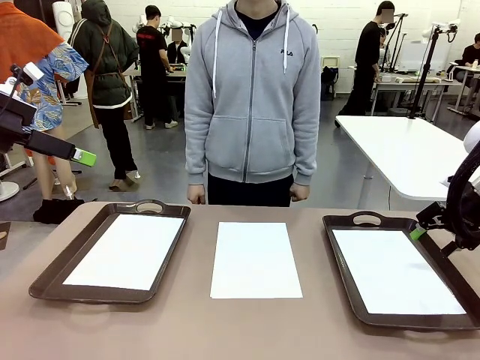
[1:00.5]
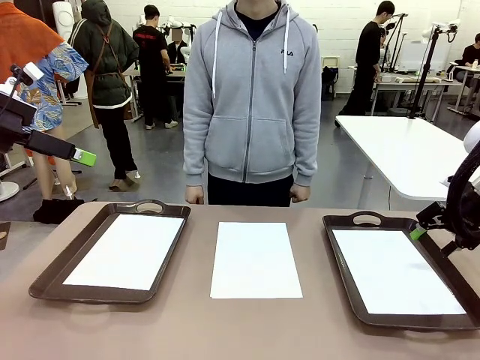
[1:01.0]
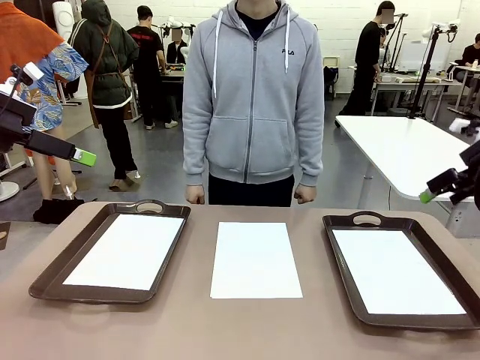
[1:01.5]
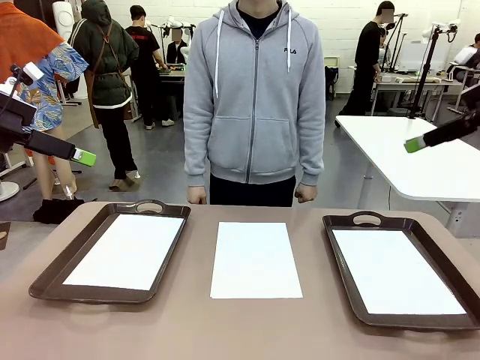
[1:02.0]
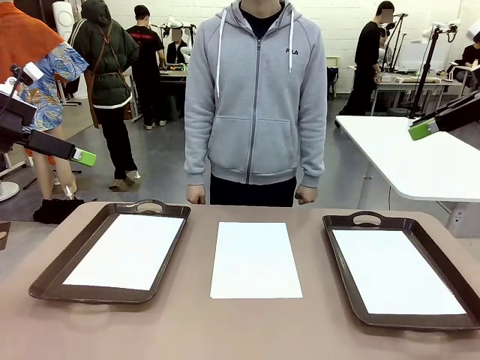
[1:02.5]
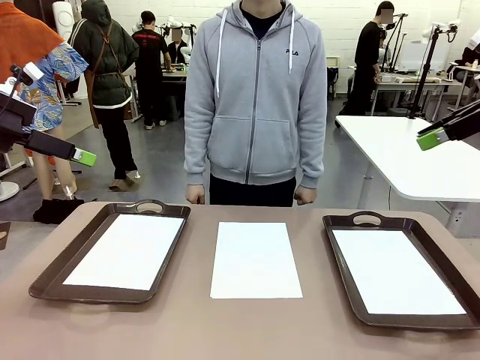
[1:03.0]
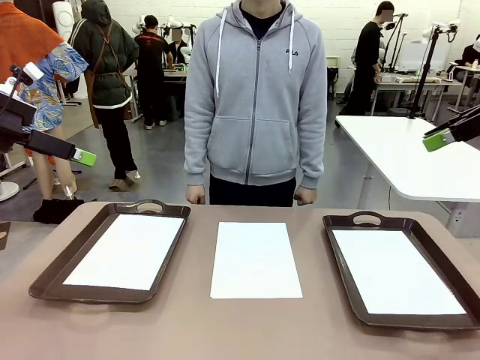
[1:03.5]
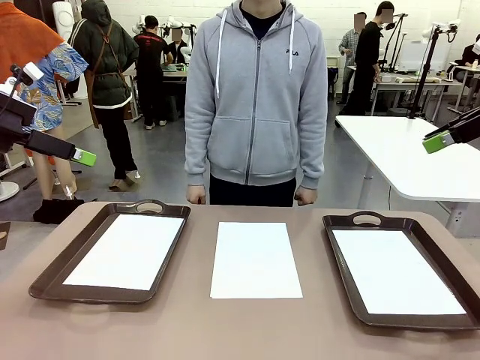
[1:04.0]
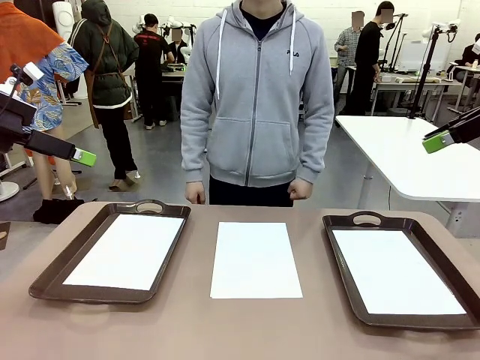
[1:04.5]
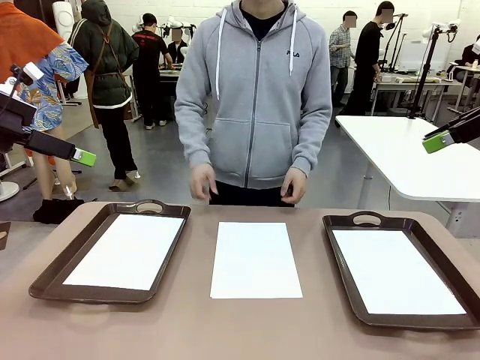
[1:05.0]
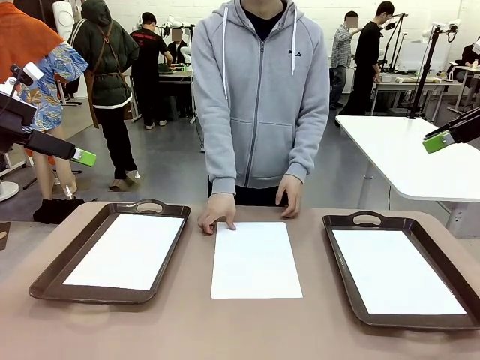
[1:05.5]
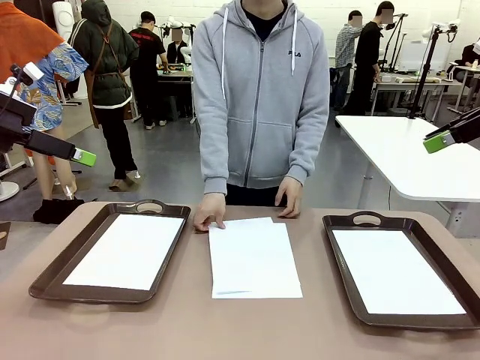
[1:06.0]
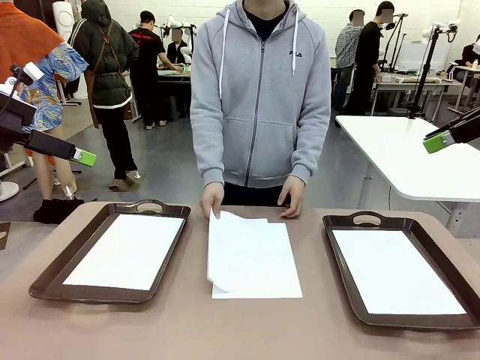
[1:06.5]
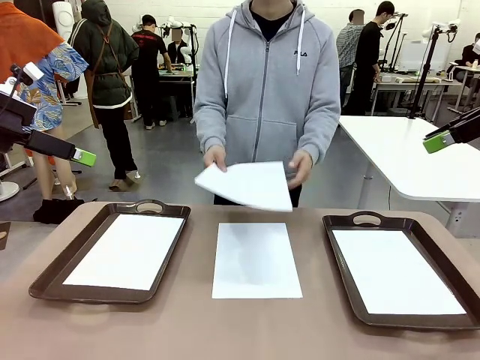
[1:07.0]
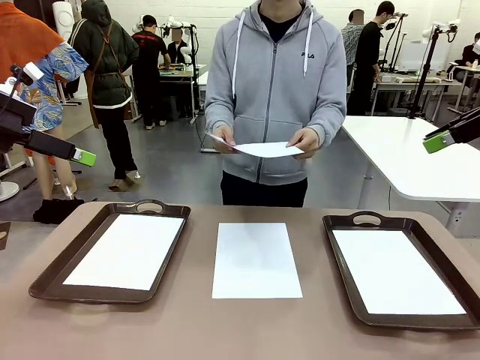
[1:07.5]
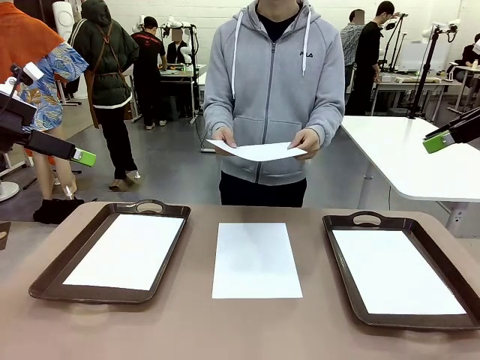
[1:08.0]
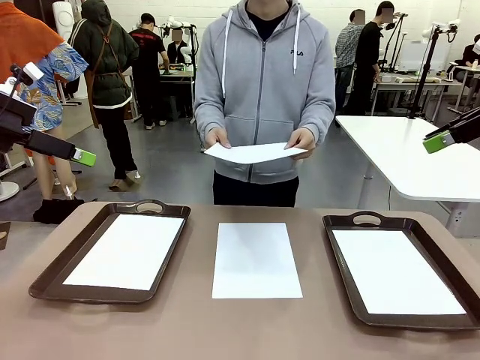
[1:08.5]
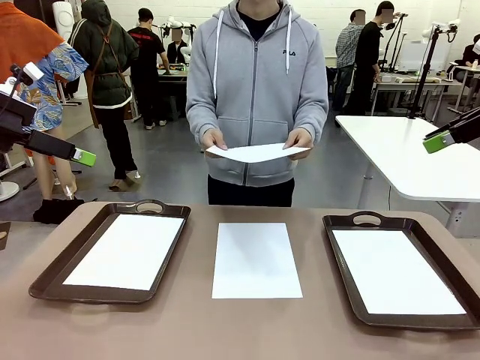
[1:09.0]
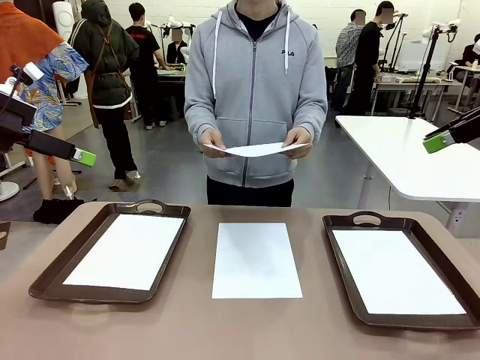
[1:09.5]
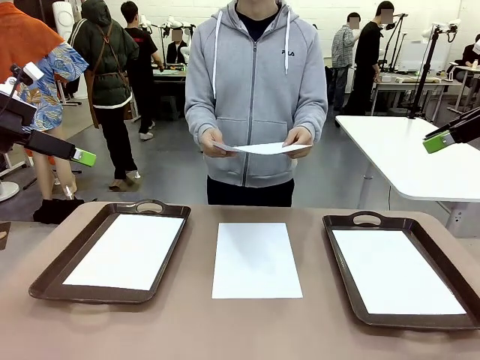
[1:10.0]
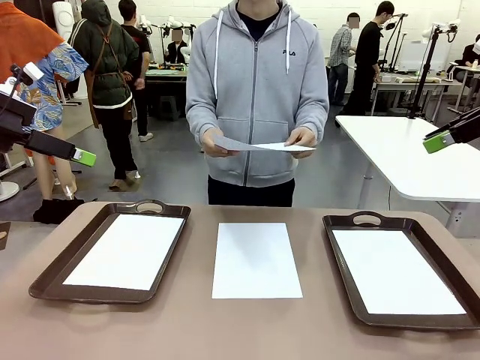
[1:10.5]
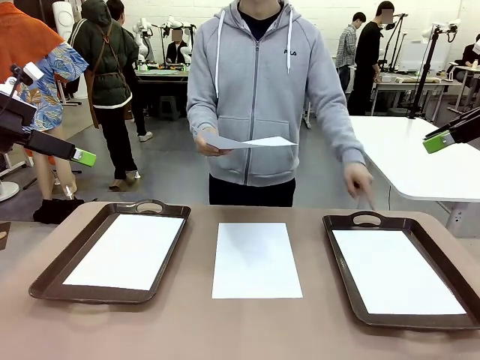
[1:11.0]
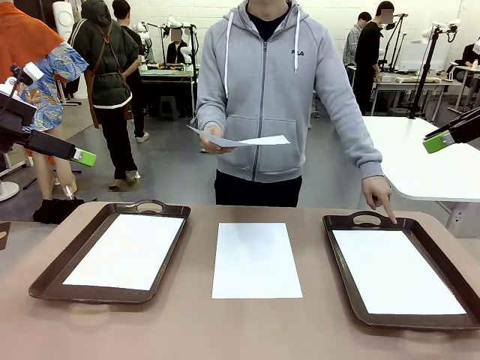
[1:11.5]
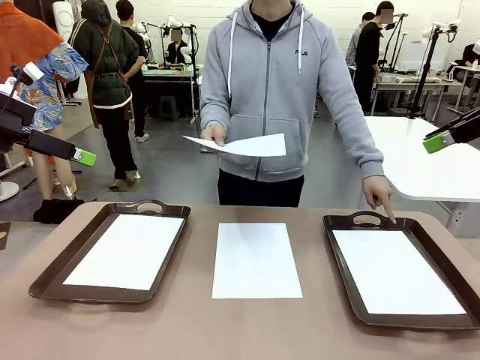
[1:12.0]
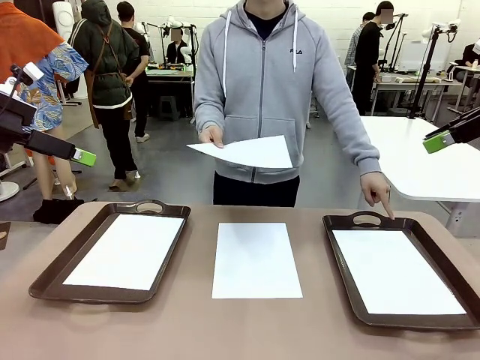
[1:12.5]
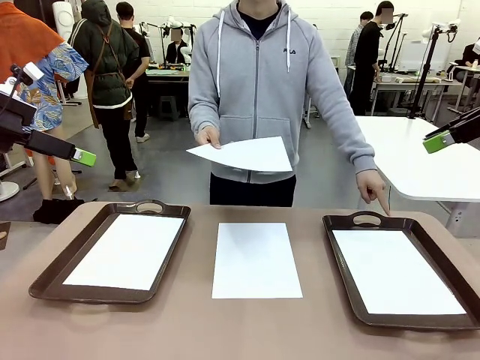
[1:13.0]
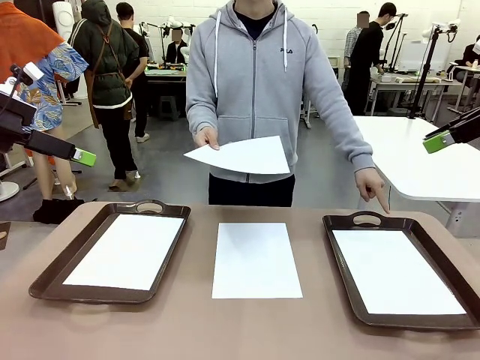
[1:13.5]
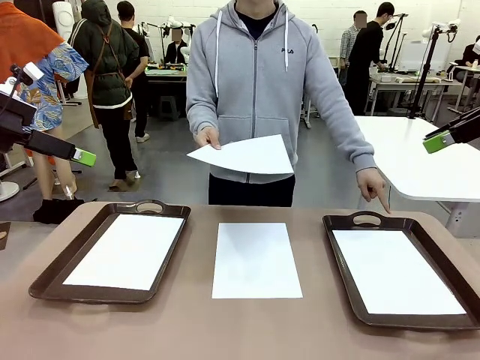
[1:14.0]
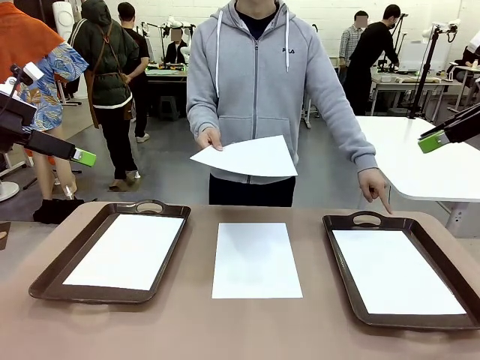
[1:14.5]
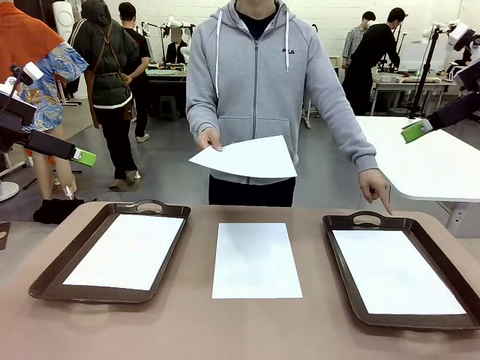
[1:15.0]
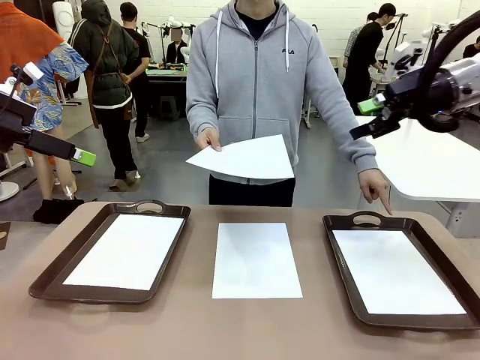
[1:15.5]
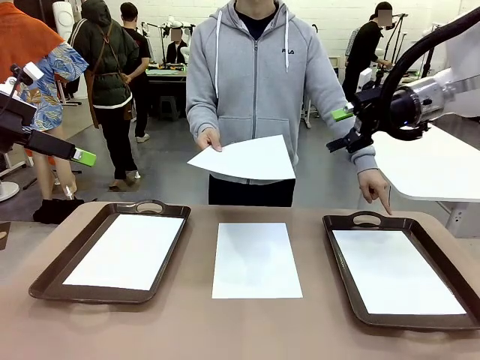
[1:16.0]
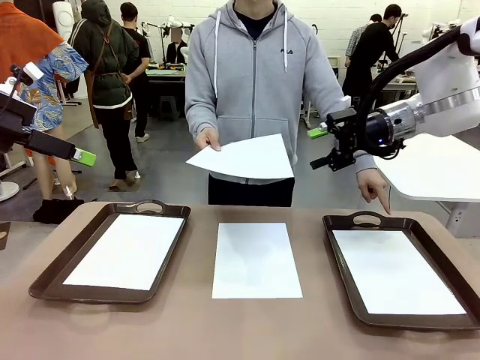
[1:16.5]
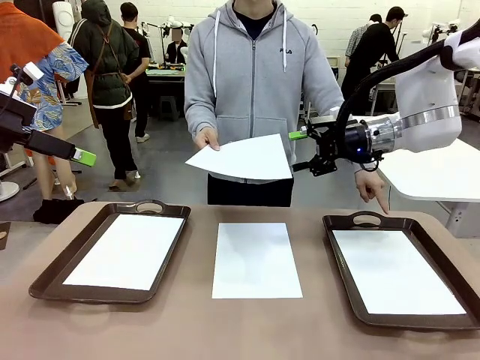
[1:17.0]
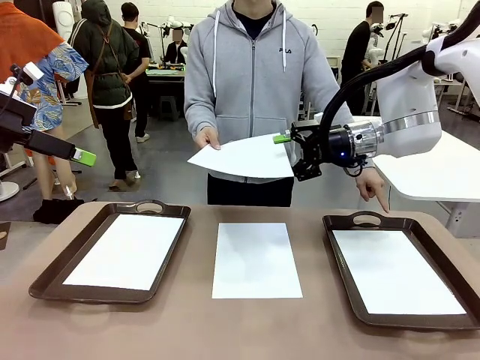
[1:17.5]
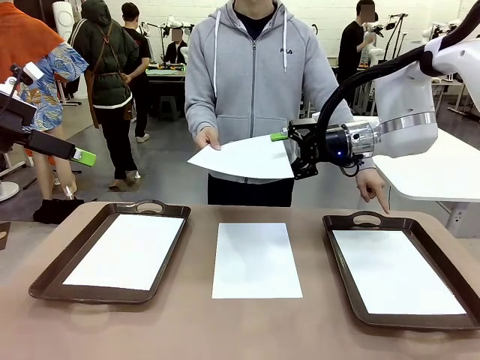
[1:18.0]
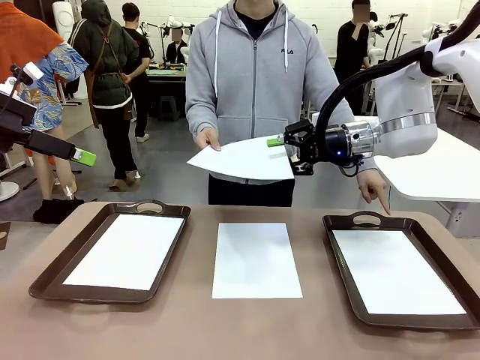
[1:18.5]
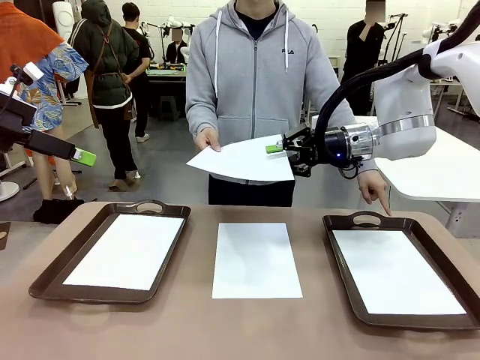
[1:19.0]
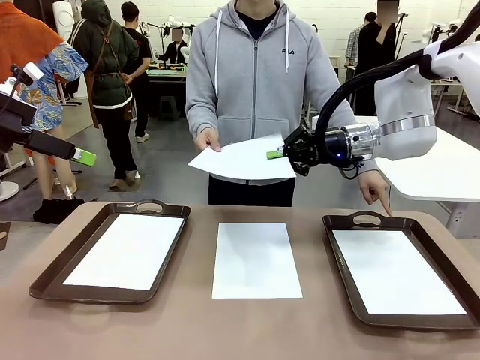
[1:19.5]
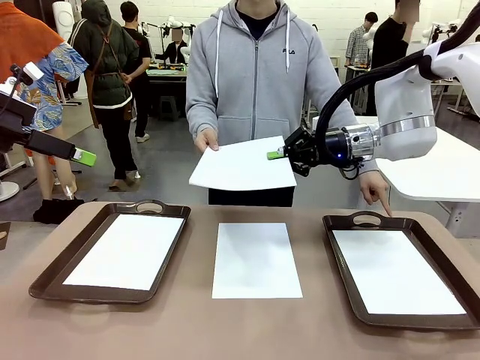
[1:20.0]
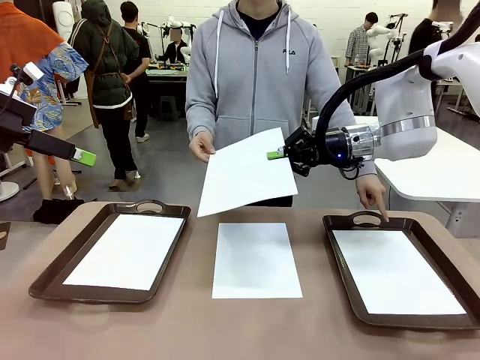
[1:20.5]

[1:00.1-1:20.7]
Task: Sort the A4 documents.
Robot: Receive the A4 Paper.
Person: Point the randomly selected tray with the other hand.

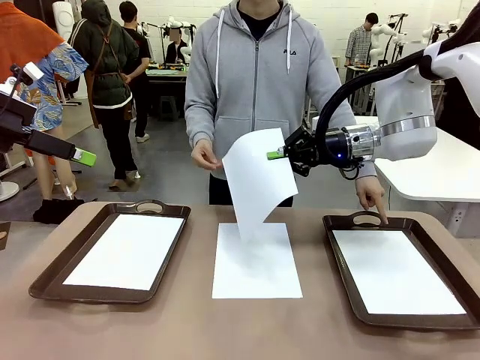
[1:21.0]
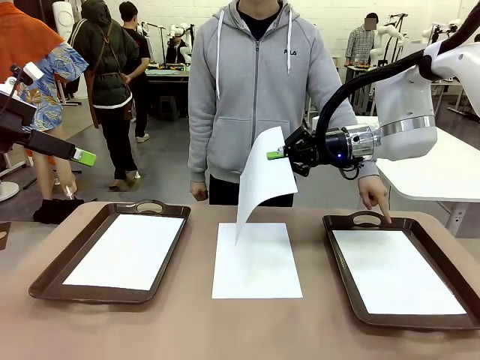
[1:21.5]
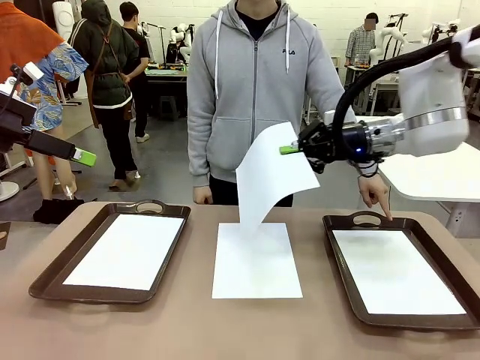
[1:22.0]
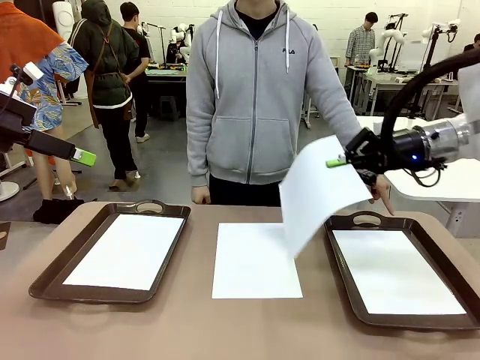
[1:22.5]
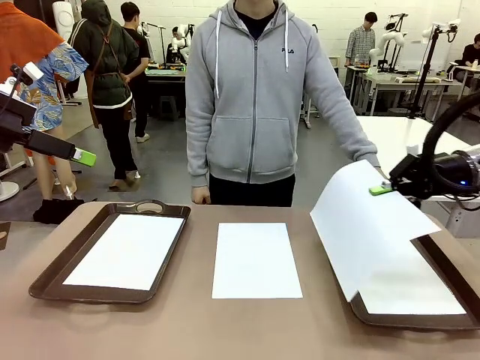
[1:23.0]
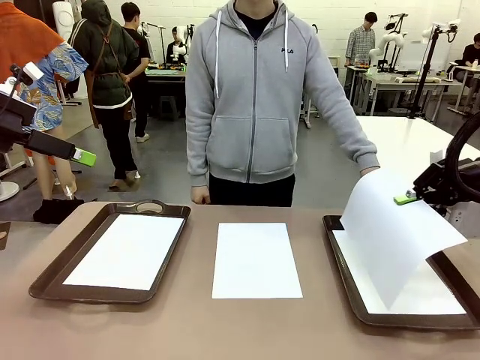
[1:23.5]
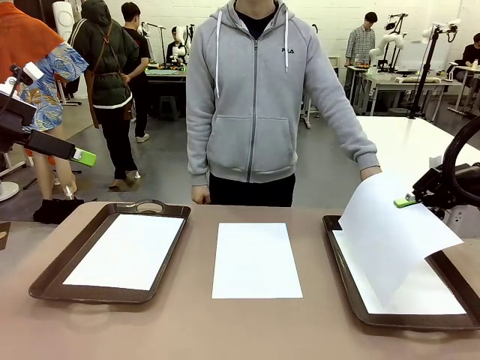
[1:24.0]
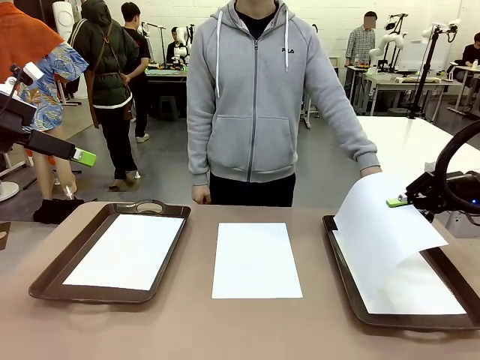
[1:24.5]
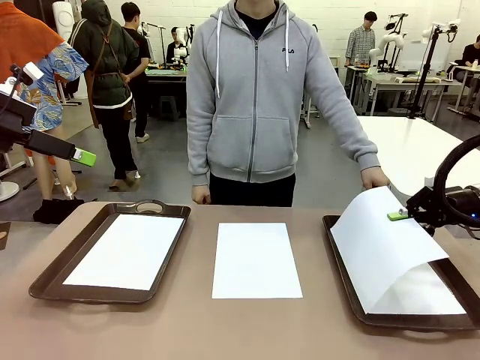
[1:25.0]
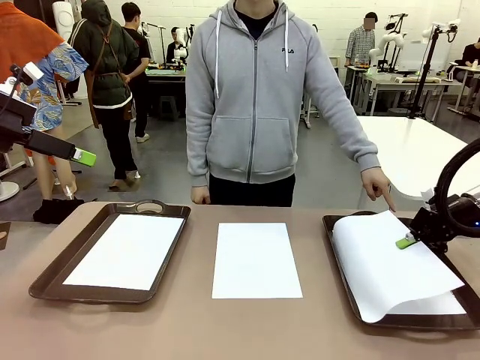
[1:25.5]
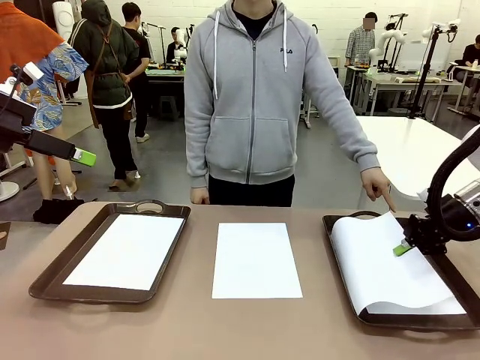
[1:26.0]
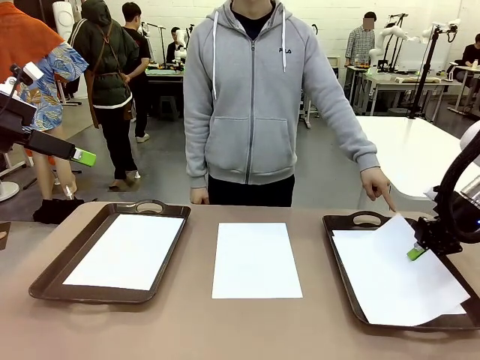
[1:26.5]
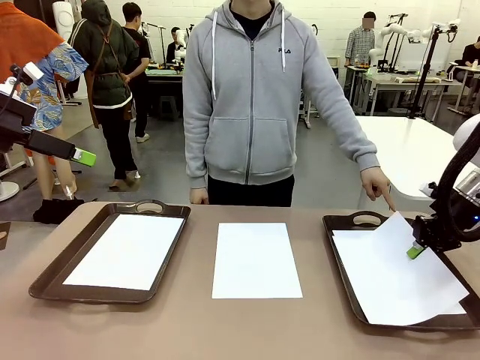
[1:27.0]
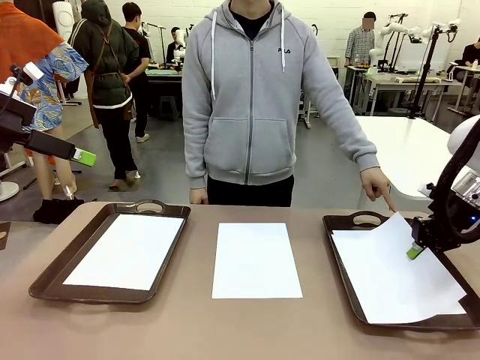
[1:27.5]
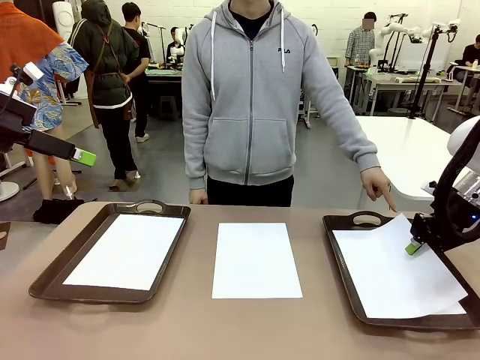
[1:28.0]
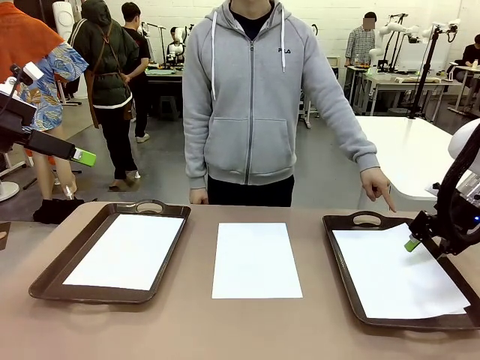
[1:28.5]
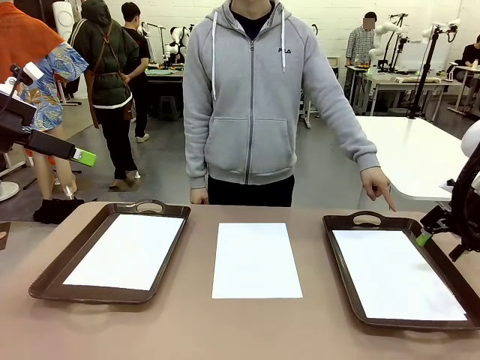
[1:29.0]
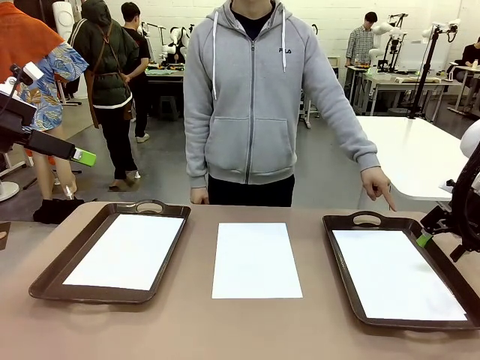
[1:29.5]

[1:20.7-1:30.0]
Robot: Place the A4 Paper in the designated Handle tray.
